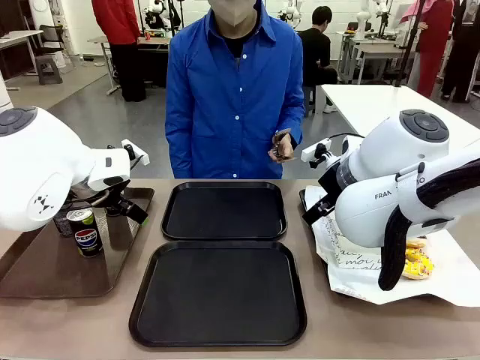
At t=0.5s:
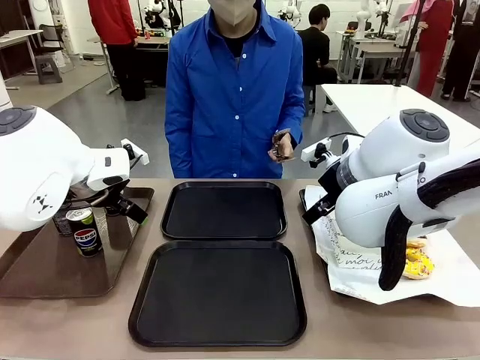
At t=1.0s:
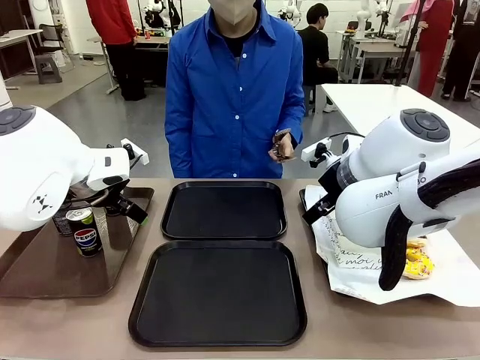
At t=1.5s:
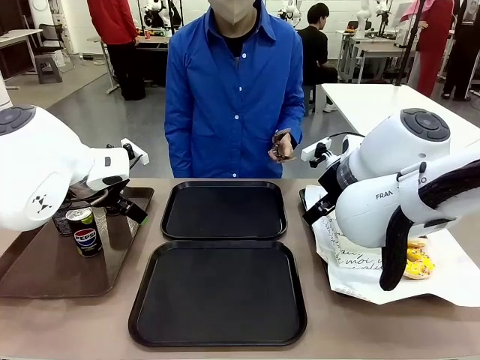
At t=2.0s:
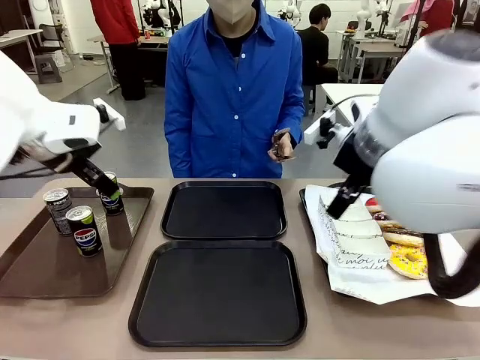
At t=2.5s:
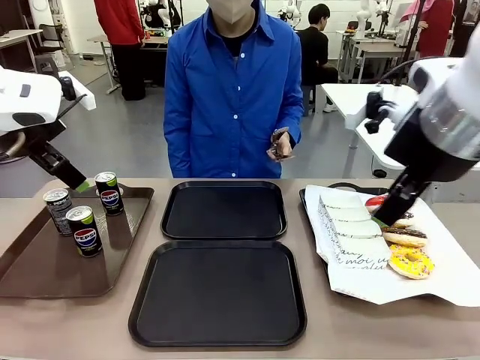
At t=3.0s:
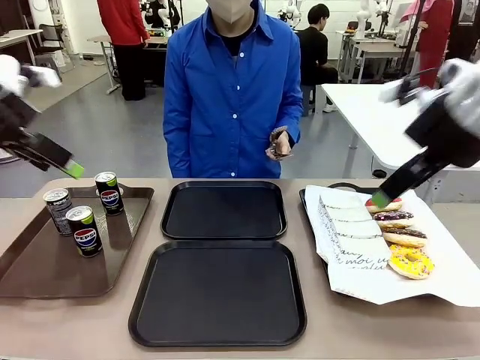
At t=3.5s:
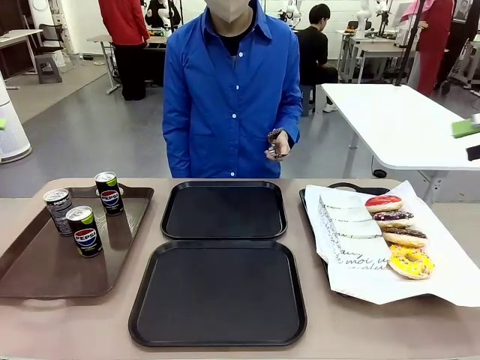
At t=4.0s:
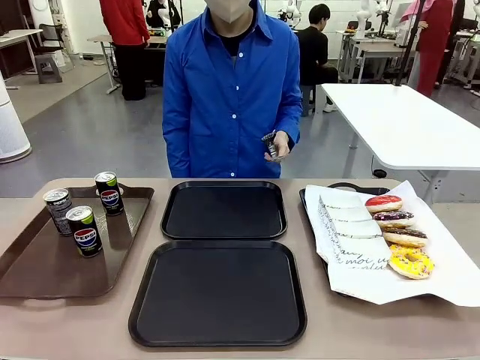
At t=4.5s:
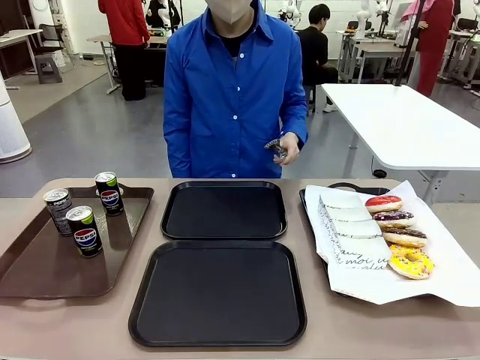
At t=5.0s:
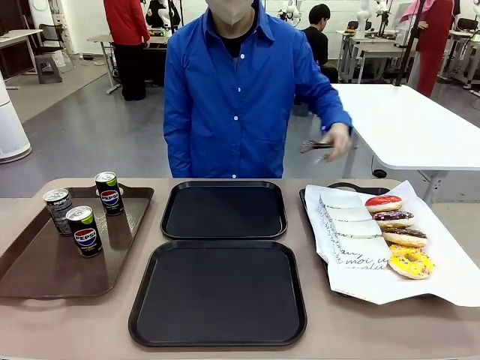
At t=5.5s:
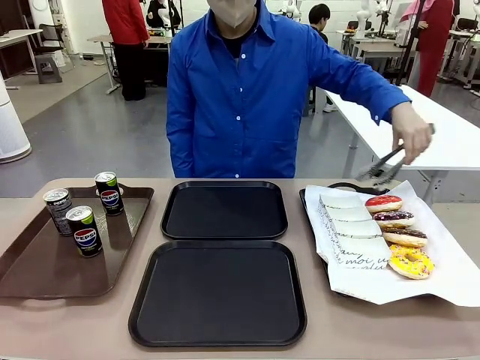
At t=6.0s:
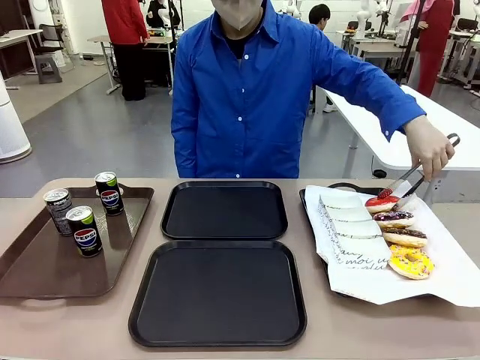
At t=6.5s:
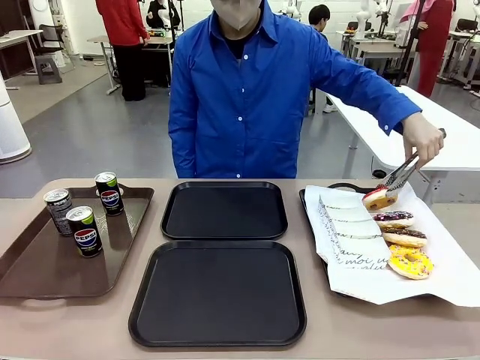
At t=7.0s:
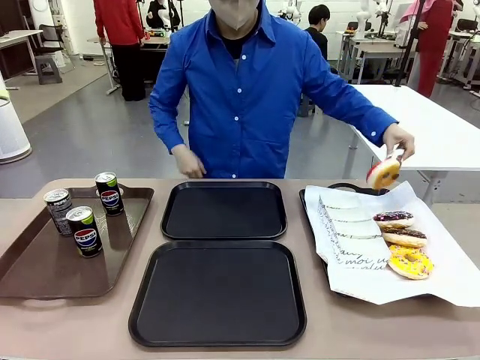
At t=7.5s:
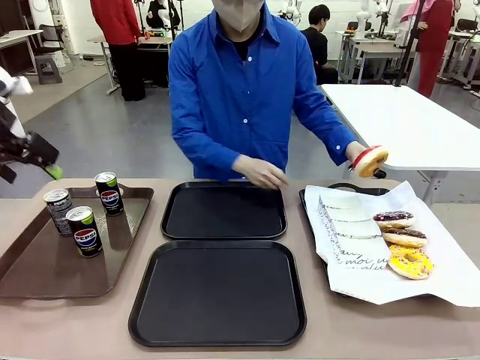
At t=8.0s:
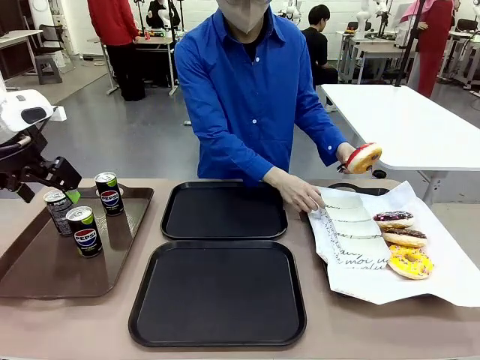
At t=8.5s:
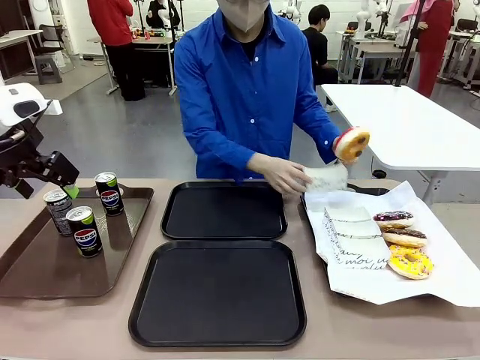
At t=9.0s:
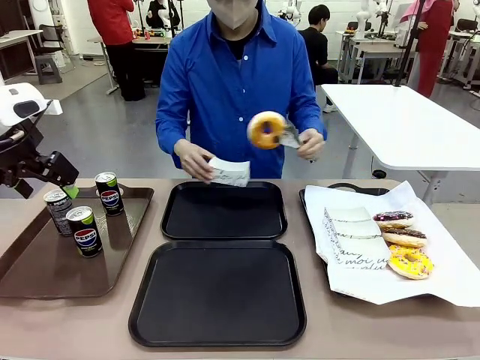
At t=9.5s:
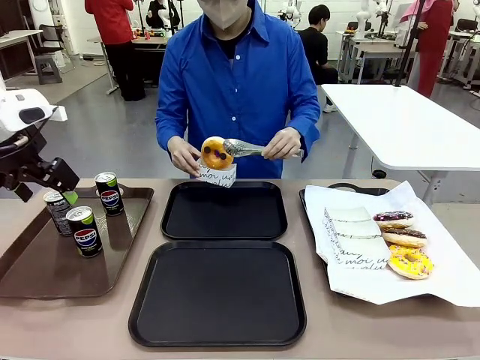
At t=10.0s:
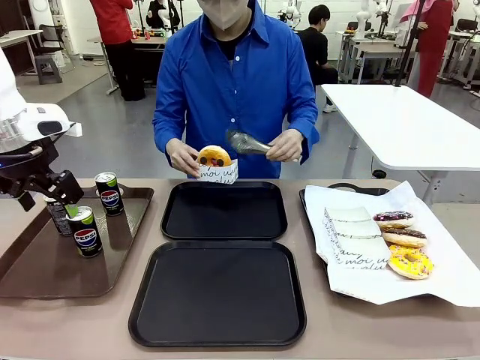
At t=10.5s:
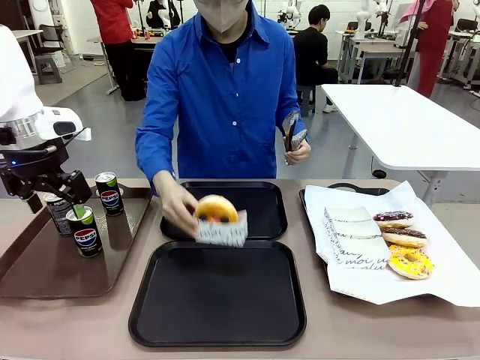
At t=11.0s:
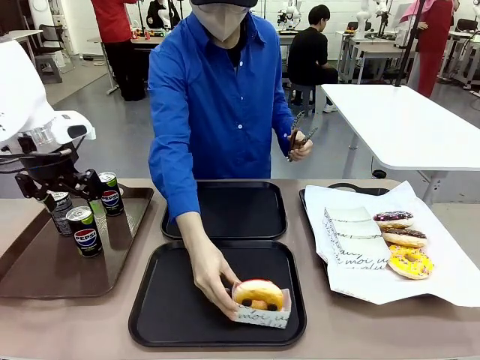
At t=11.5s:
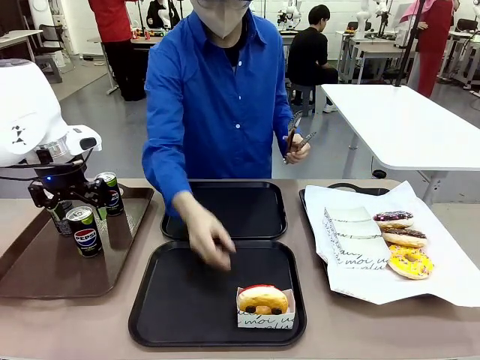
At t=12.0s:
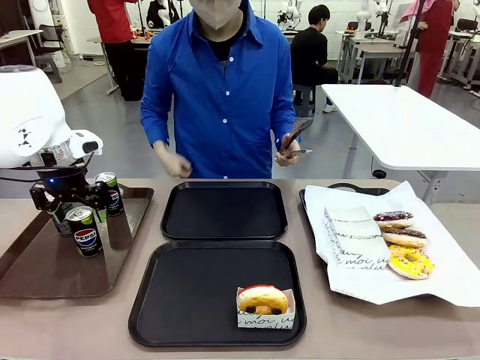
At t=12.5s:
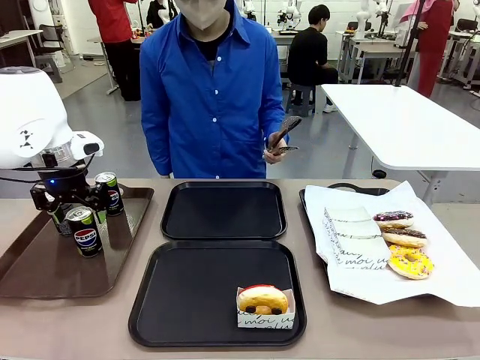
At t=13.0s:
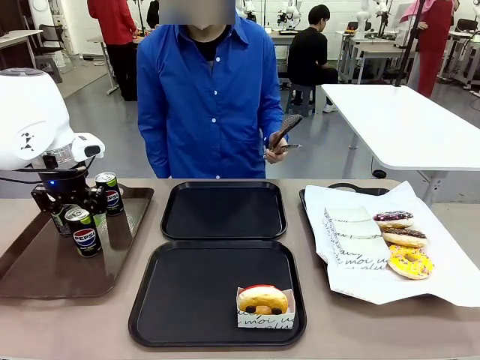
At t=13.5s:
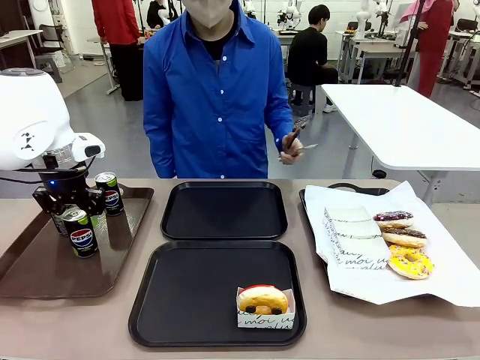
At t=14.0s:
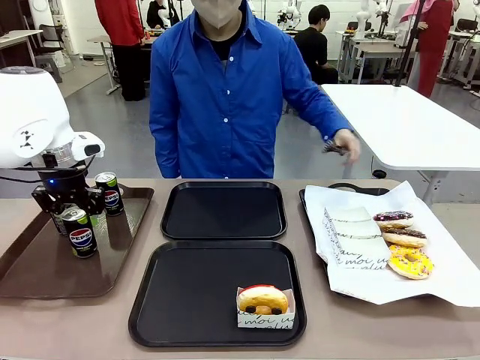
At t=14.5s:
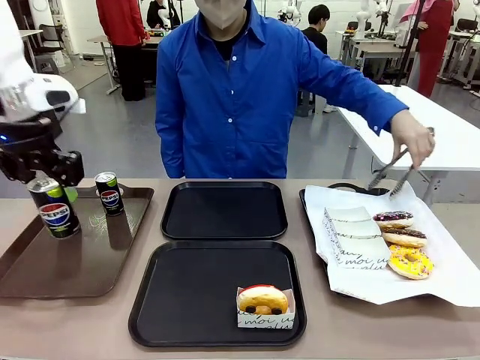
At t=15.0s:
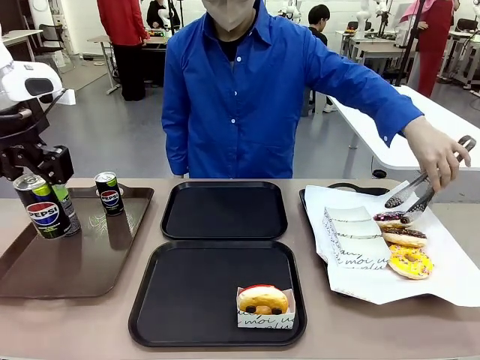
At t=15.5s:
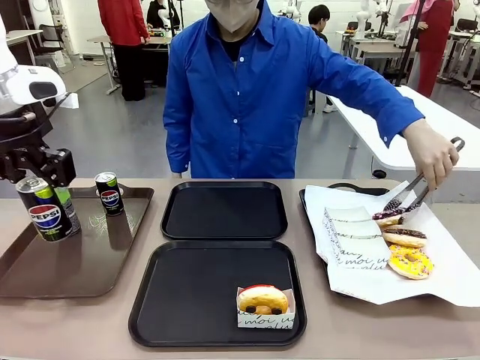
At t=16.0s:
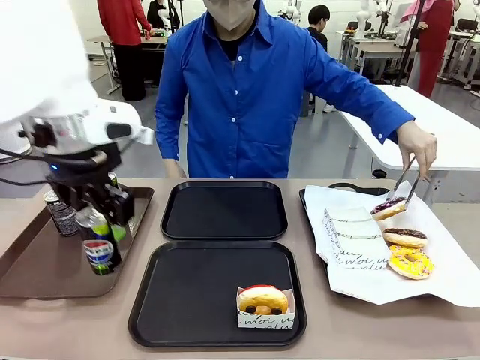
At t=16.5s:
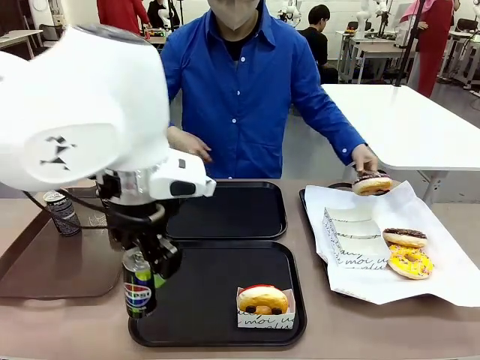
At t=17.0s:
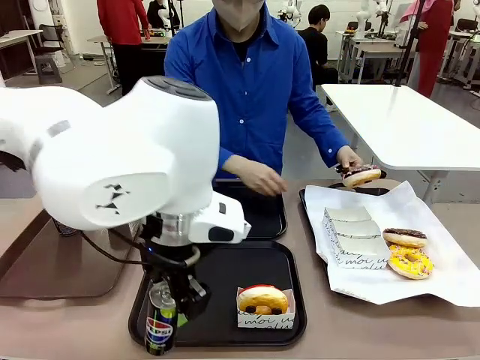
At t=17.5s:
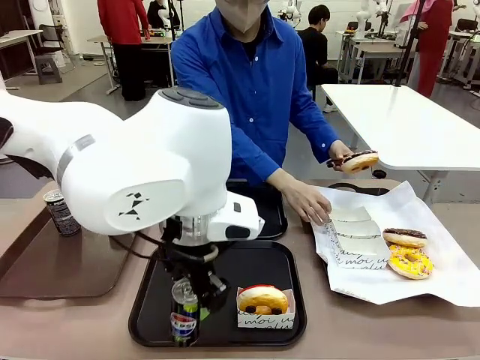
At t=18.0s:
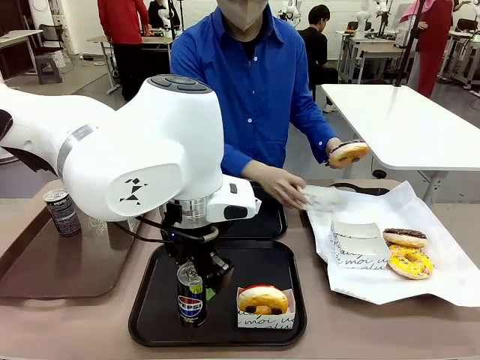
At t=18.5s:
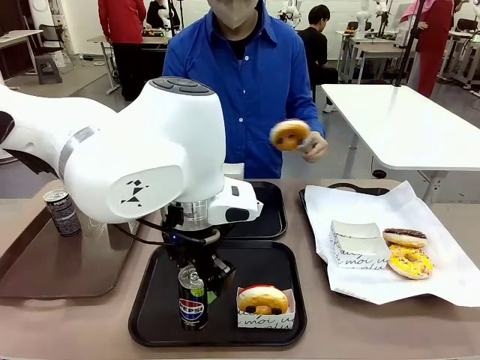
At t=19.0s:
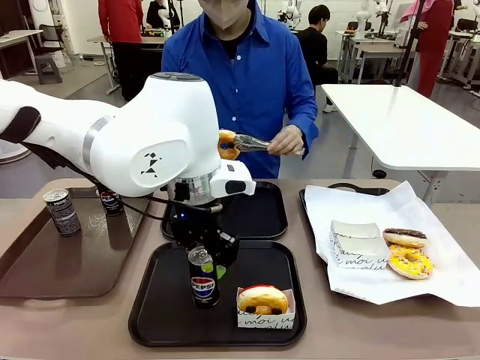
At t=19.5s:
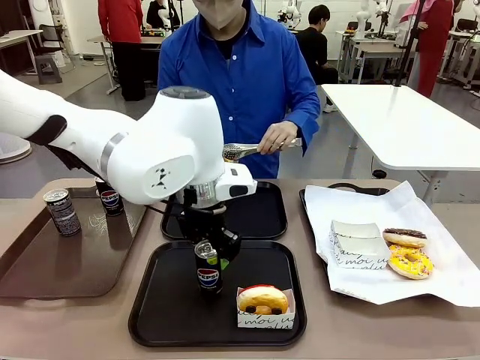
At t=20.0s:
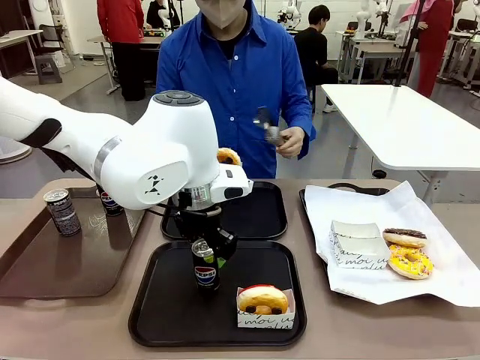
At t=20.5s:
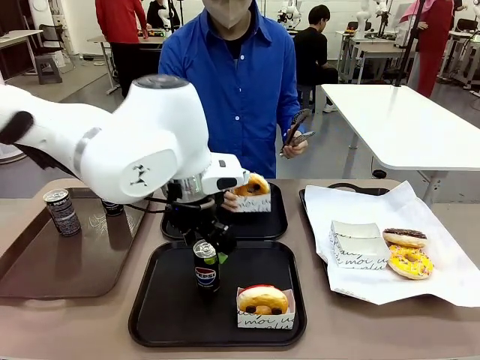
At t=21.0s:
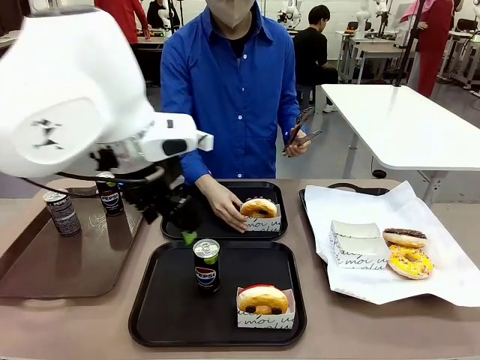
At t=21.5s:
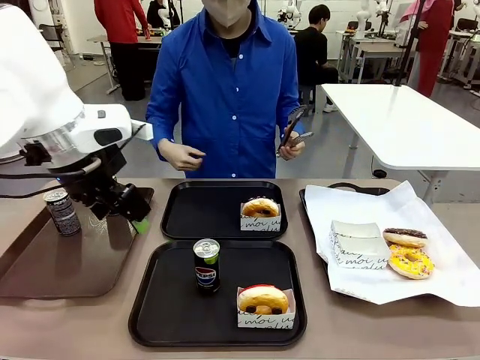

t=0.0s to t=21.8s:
Task: Set up donuts and drinks on trays.
Robot: Pick up one Pepsi coke and place it on the Flat Tray.

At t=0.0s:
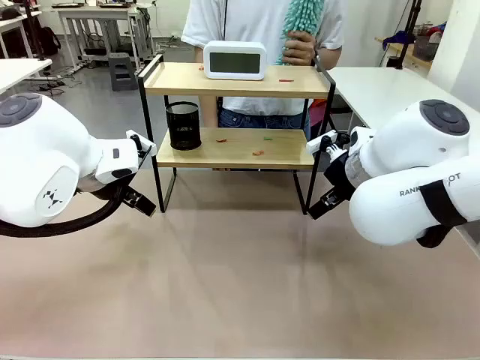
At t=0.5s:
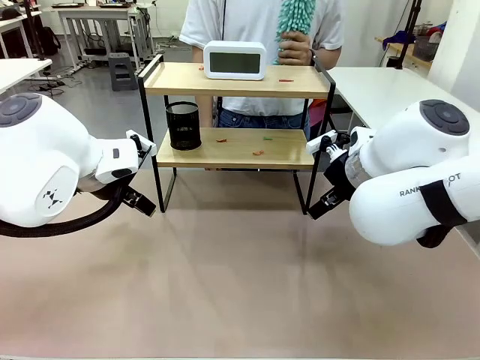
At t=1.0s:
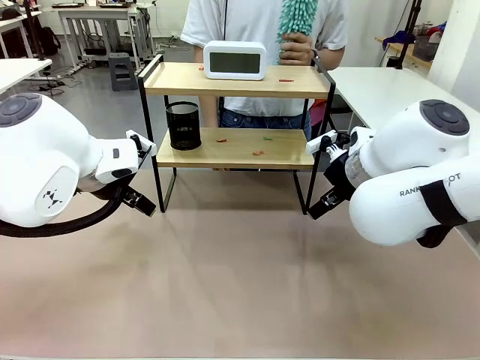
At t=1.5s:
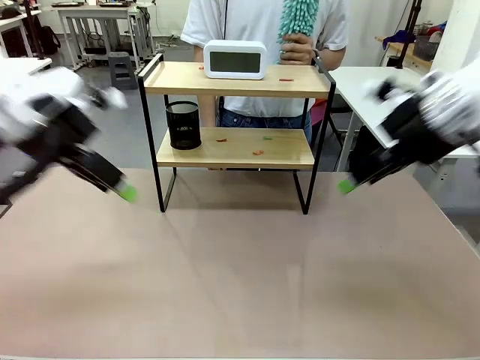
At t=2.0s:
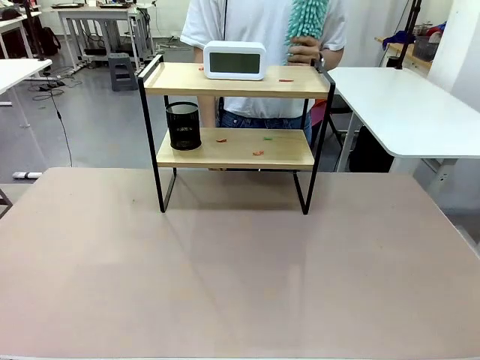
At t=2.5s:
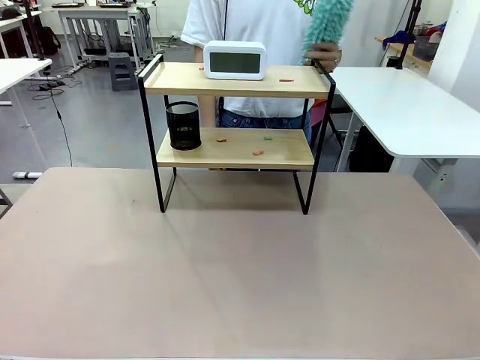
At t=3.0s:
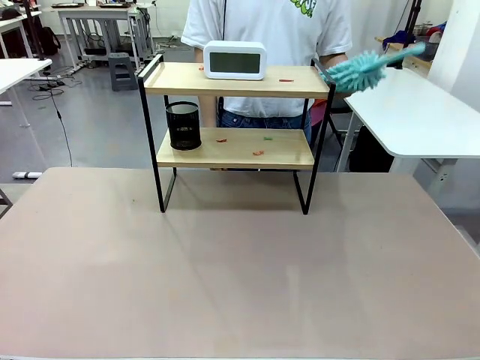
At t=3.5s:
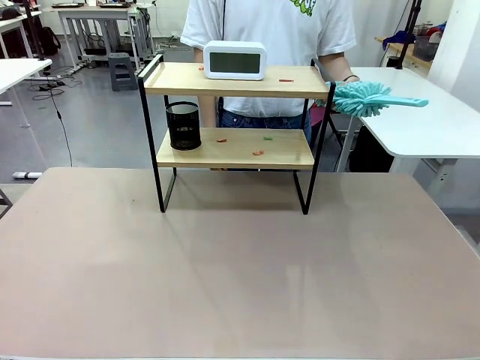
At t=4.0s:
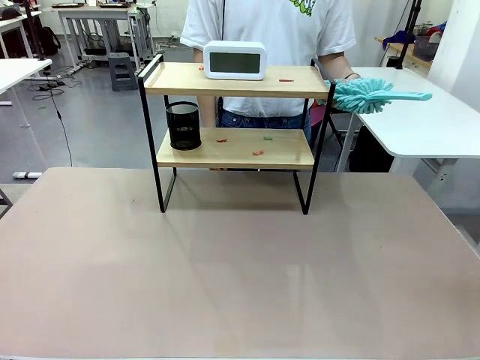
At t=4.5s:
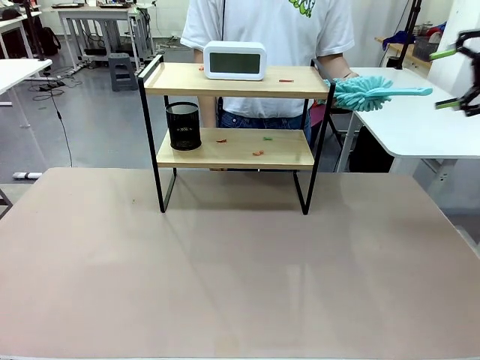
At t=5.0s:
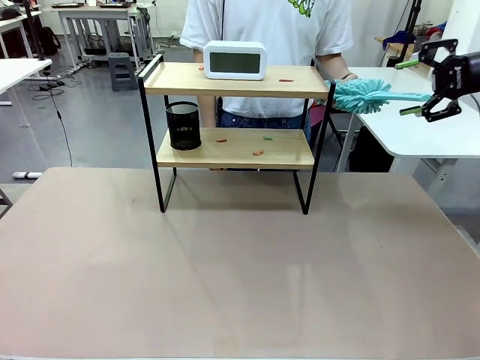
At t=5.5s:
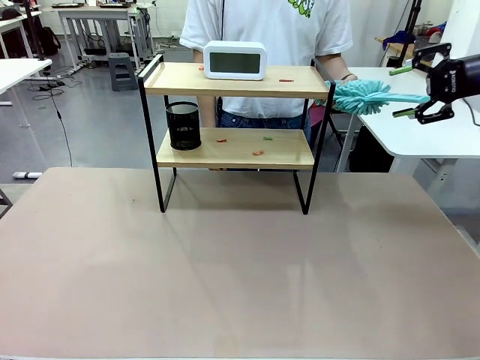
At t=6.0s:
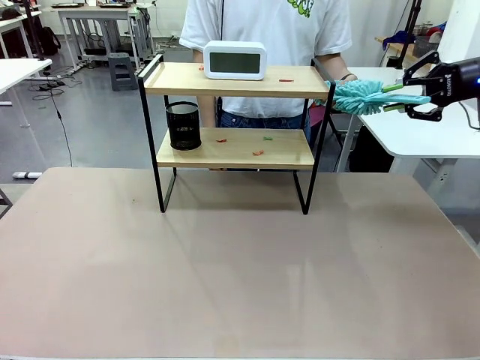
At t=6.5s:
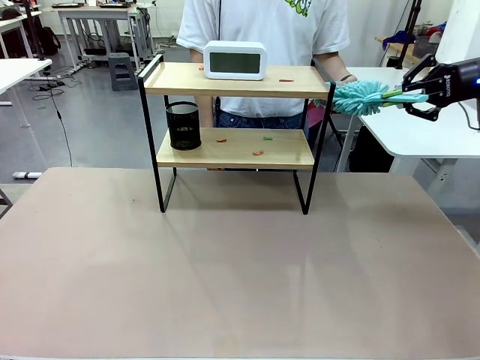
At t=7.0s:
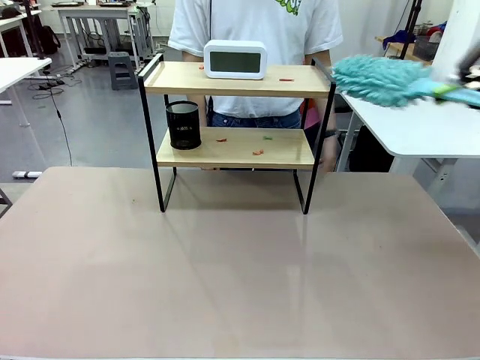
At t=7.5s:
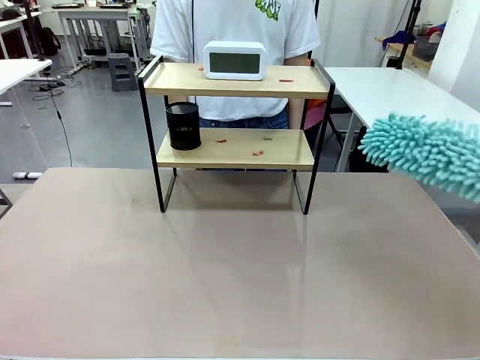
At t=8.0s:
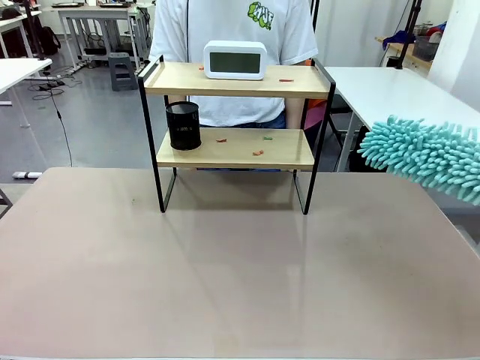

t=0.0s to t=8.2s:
Task: Clean the shelf.
Robot: Pick up the Duster from the human.
Person: Hand the Duster to the robot.
